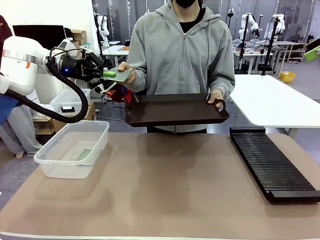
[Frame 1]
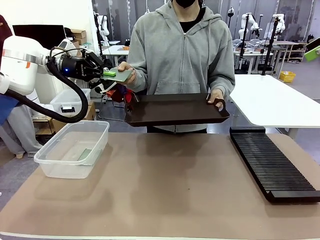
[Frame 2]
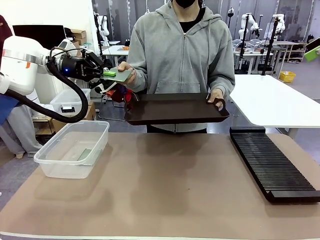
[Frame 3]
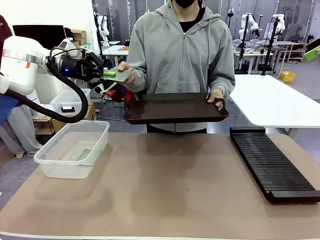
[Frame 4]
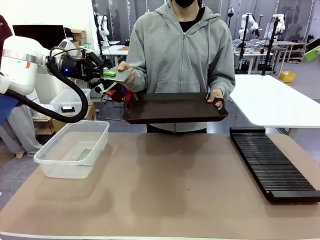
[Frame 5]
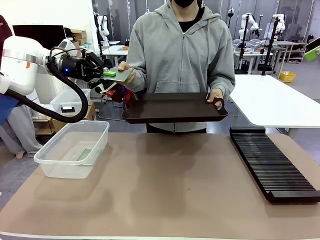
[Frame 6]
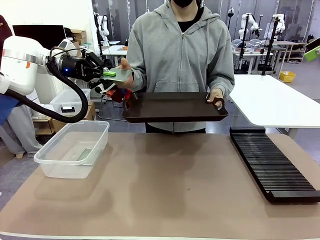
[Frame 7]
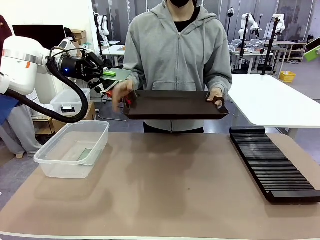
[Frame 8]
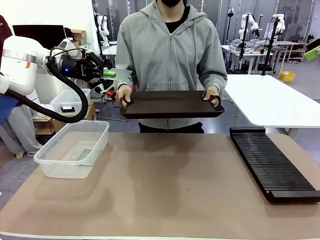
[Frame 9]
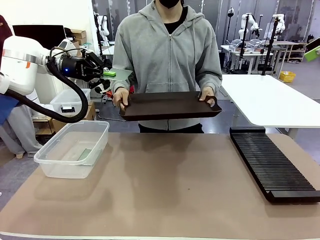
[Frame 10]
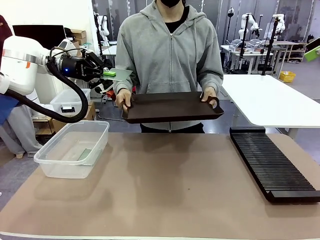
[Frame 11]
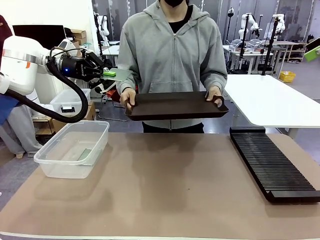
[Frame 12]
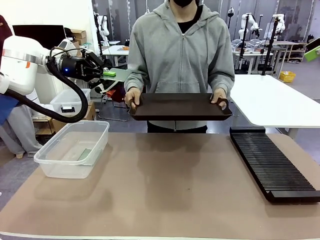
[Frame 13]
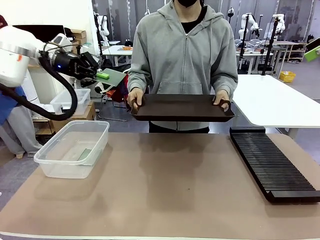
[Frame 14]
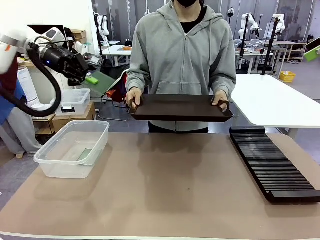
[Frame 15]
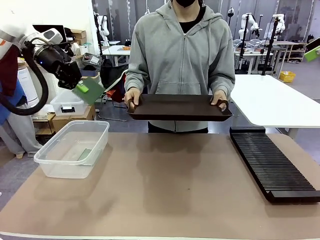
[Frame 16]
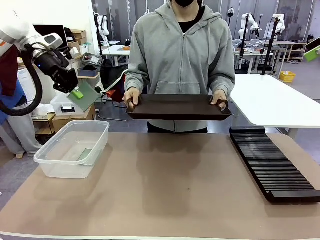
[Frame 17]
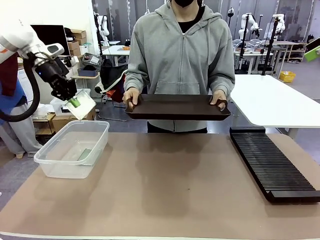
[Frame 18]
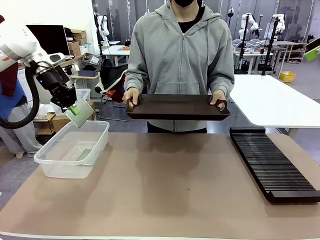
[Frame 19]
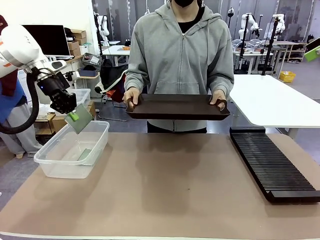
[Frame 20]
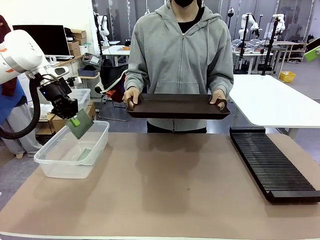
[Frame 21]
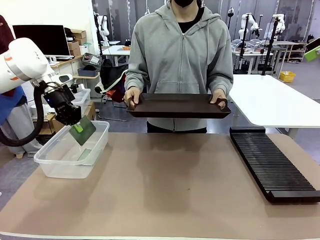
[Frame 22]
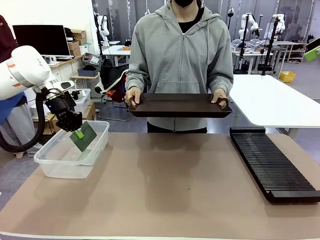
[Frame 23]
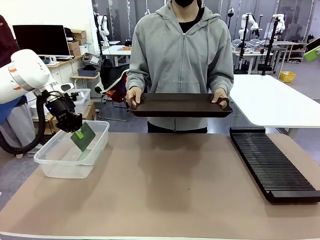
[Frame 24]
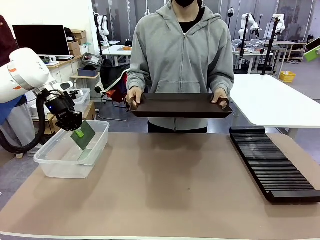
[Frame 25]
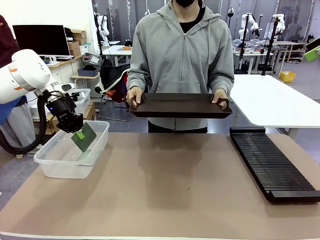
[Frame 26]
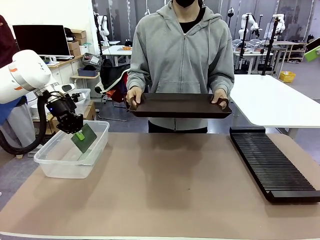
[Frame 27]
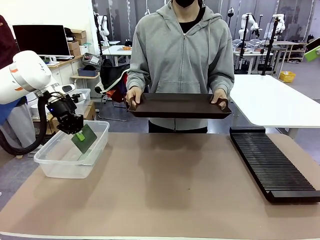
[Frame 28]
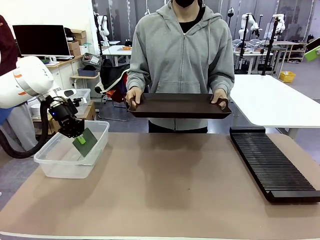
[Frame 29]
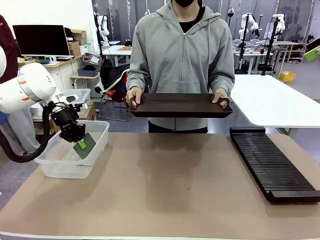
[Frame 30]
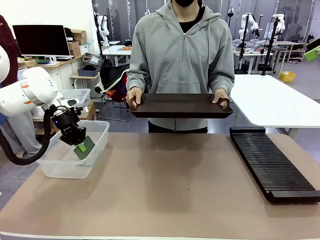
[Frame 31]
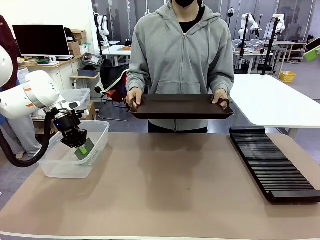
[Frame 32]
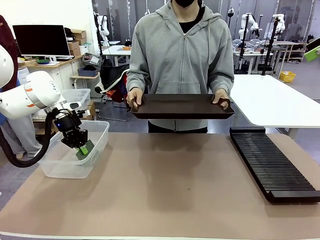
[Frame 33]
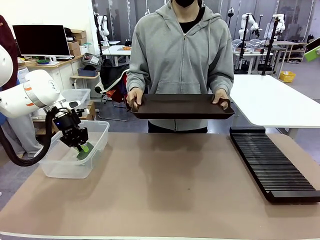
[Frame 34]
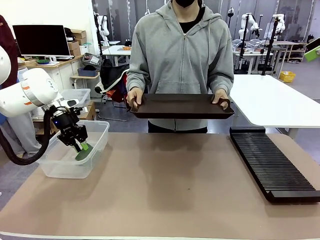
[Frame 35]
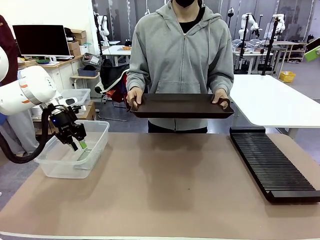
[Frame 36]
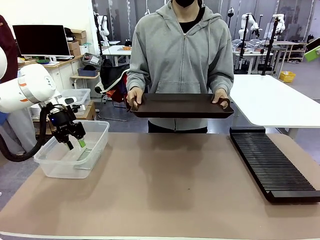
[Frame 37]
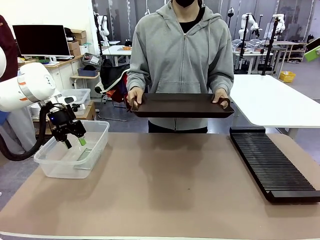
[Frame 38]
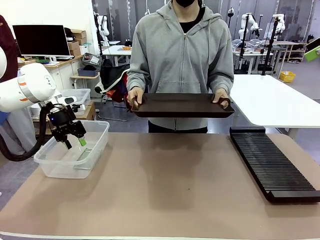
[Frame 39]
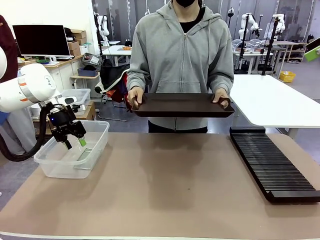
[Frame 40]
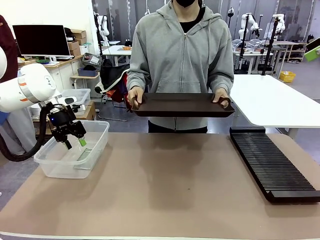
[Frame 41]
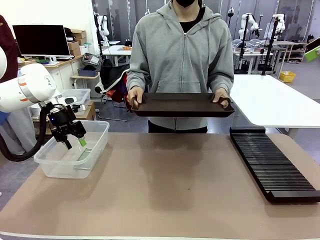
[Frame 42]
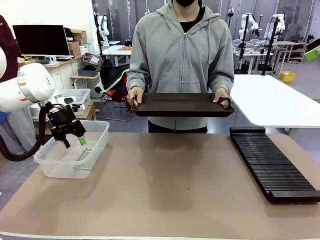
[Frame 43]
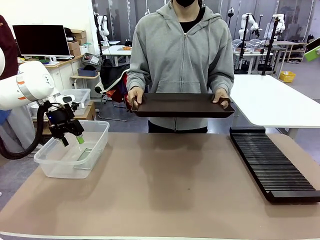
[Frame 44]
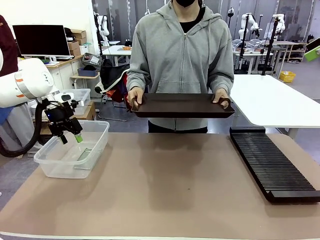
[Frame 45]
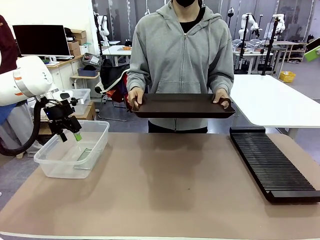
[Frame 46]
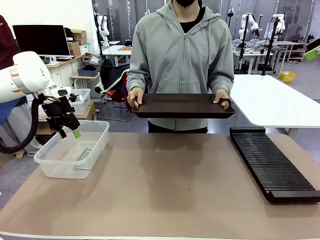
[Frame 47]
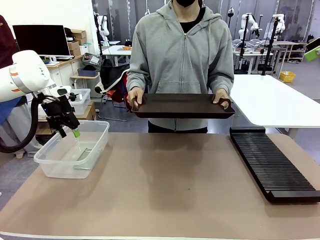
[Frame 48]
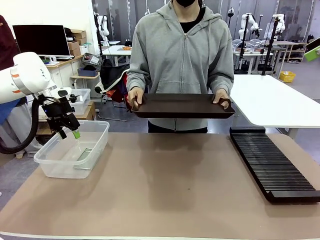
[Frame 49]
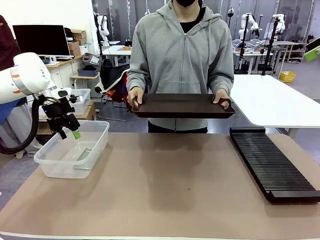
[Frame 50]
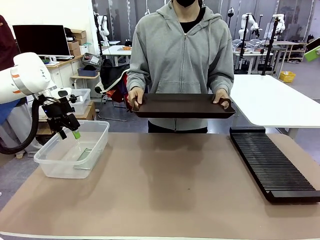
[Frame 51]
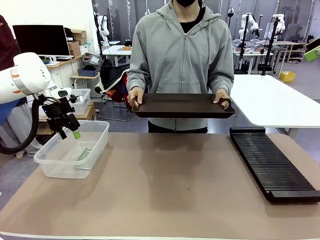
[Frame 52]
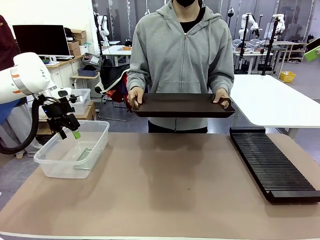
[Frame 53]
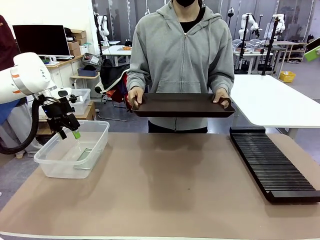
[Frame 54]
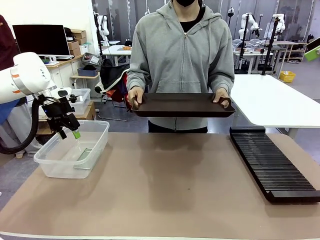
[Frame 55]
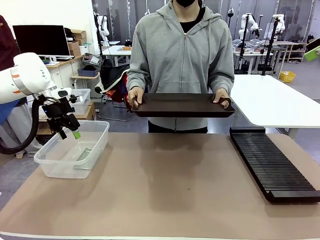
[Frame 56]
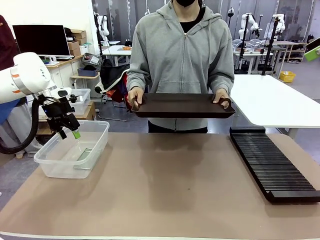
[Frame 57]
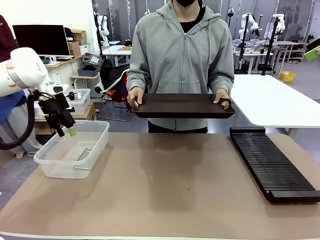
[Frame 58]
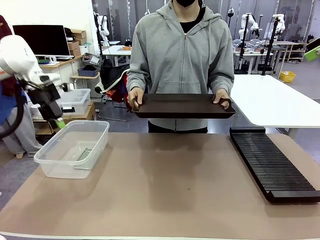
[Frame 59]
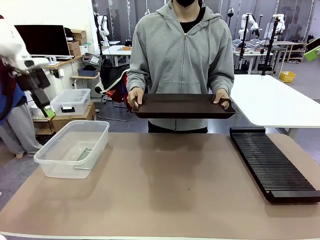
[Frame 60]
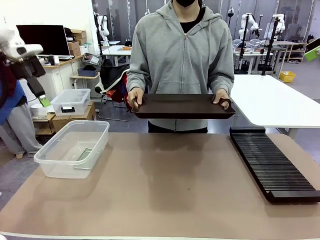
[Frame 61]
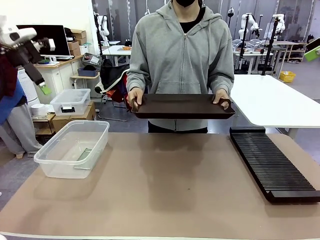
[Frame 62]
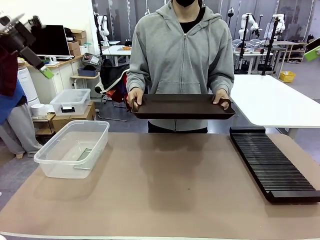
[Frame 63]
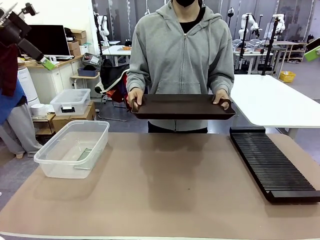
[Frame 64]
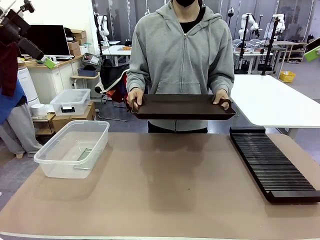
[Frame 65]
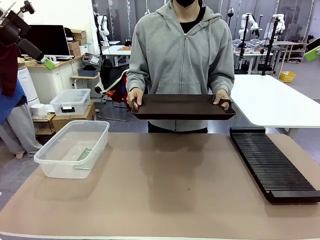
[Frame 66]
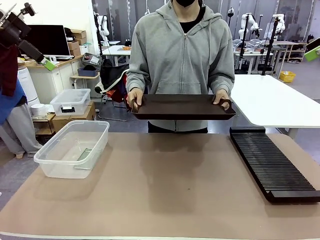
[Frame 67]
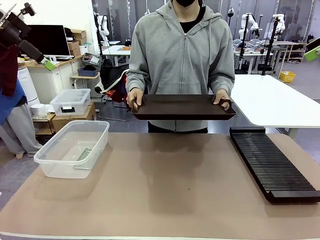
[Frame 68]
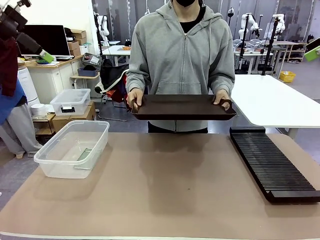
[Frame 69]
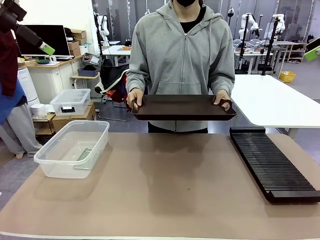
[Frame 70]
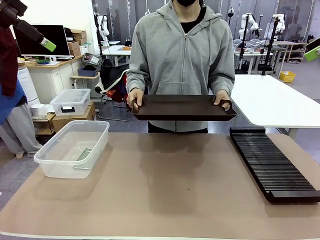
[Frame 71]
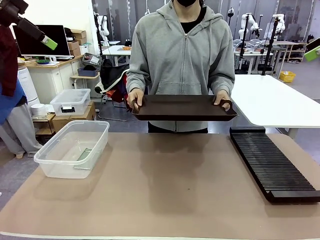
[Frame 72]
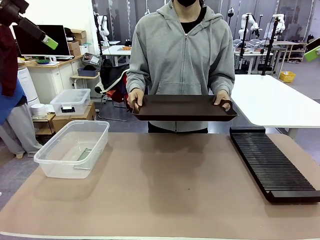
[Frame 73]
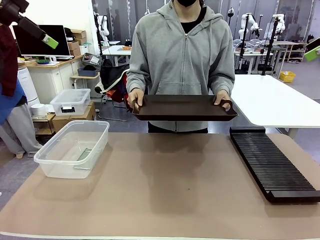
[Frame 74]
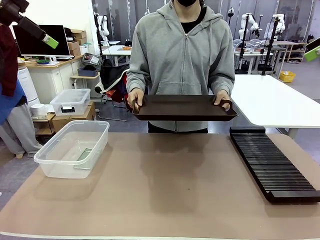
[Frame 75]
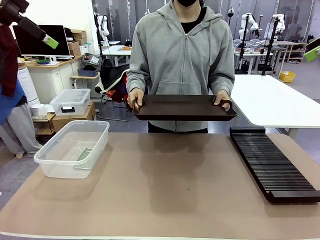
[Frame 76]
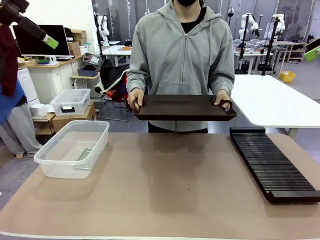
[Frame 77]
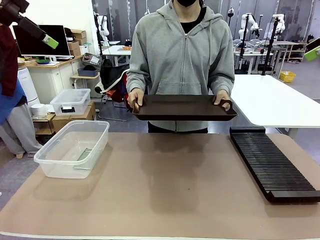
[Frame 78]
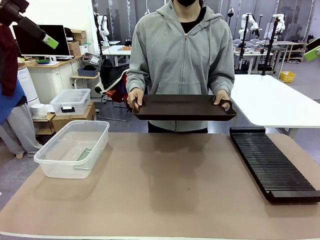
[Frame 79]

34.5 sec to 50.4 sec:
Task: Sort PCBs into racks and boxes based on the side picked up.
Robot: If the short side of the Blank PCB is picked up, insert it into the PCB Rack ; if the long side is picked up, place it in the Organizing box.
Person: Release the PCB being held.

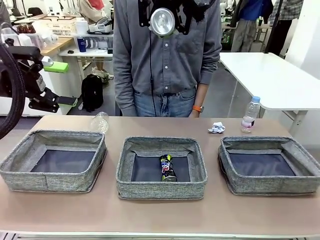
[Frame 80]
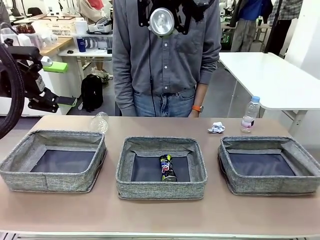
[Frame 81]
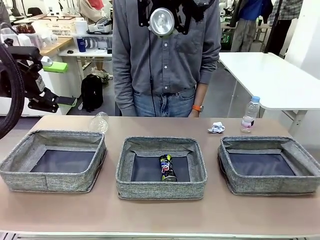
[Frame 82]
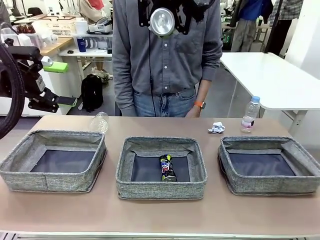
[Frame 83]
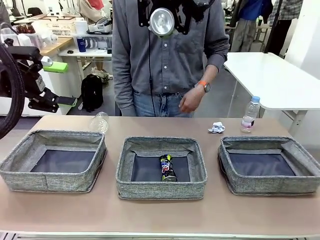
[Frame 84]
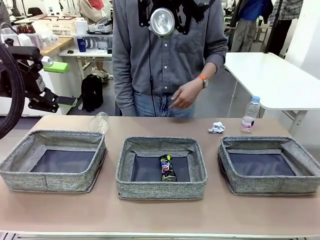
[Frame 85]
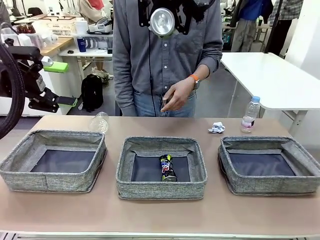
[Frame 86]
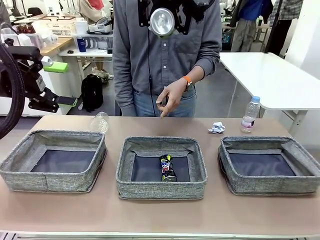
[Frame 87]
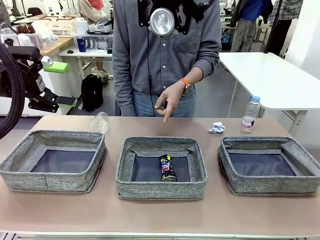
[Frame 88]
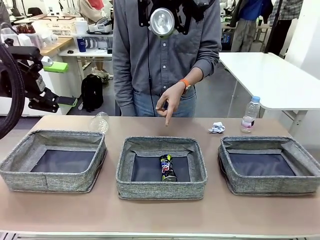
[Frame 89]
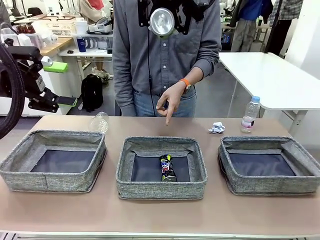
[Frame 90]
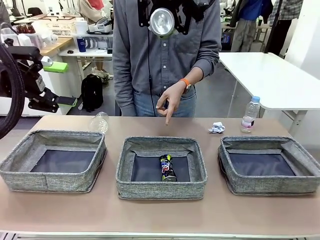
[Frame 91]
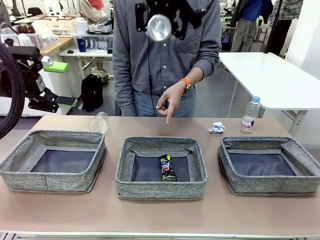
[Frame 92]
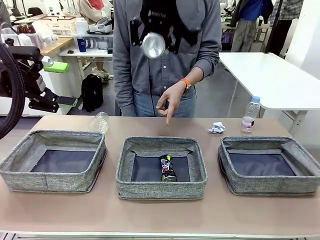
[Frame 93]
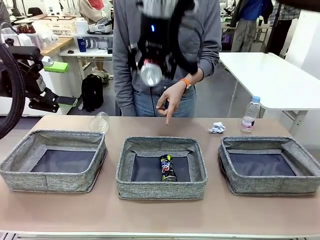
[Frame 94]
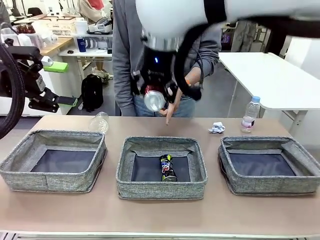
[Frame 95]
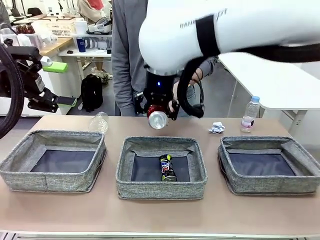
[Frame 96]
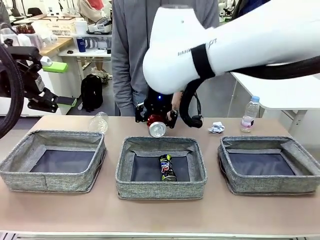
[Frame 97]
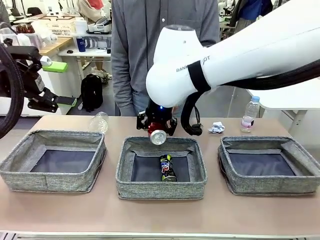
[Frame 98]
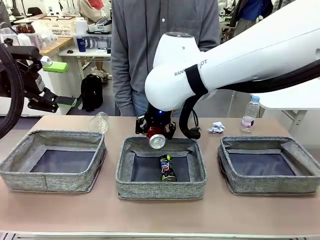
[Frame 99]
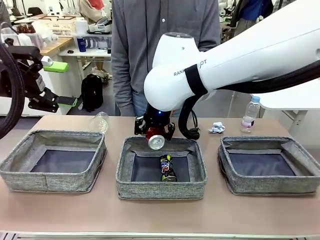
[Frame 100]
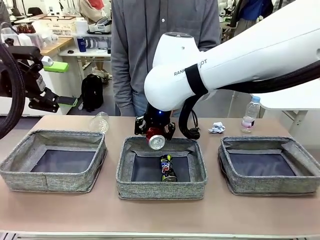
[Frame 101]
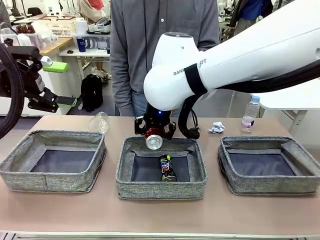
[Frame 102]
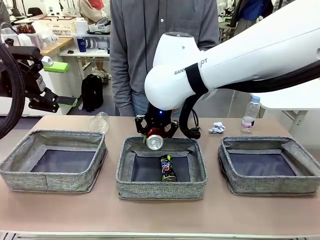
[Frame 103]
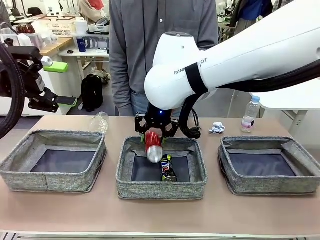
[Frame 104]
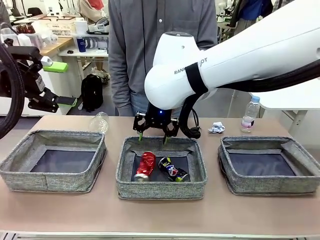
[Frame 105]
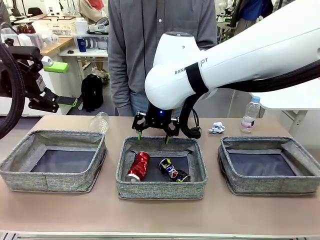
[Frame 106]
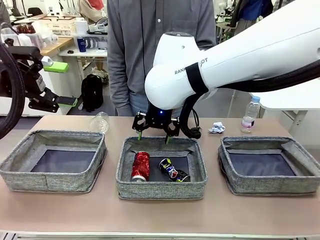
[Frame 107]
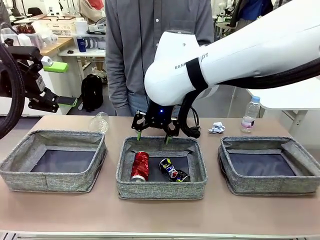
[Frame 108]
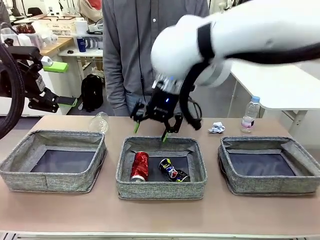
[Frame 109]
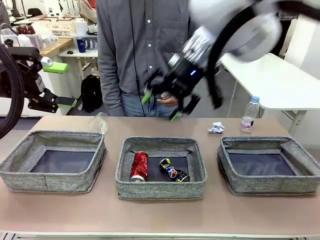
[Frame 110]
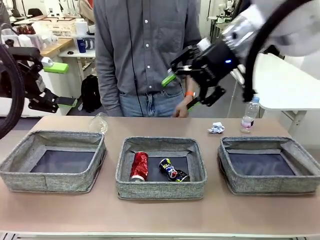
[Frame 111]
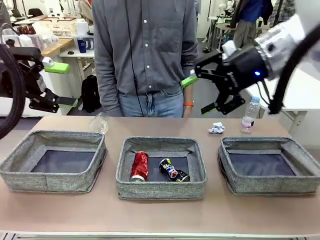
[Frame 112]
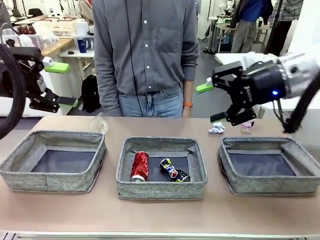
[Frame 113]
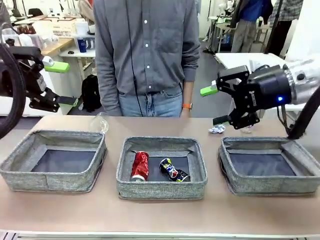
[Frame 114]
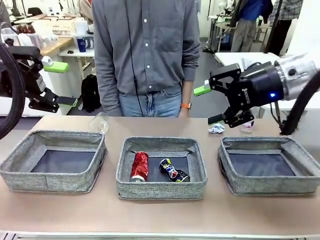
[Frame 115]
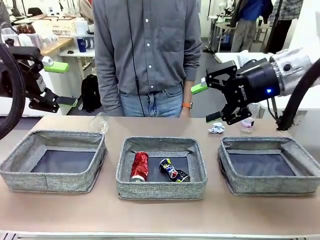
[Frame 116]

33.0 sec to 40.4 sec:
Task: Sort the waste into the appropriate baskets.
Robot: Place the picked waste into the Fabric basket indicated by the person.
Person: Instructs the robot to place the picked-up trash into the appropriate organizing basket.
